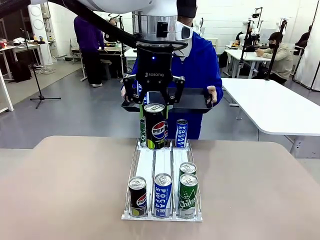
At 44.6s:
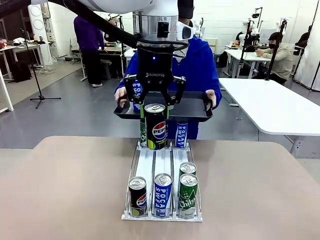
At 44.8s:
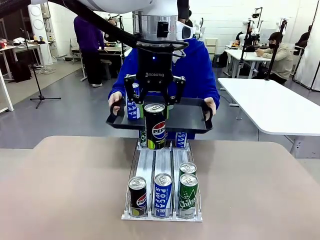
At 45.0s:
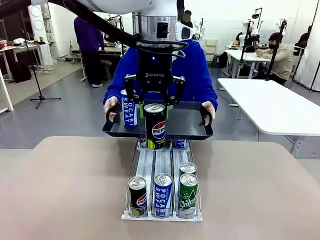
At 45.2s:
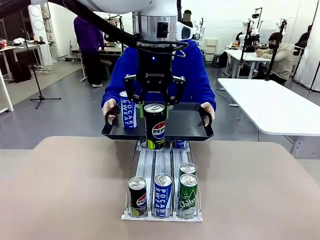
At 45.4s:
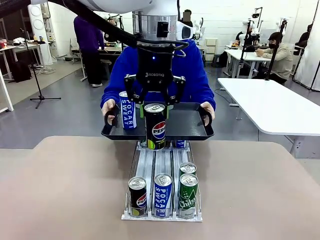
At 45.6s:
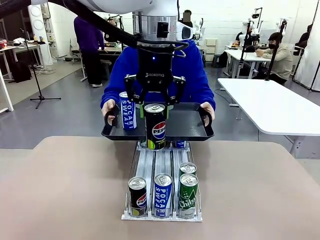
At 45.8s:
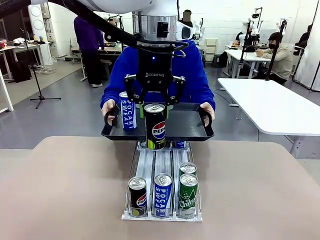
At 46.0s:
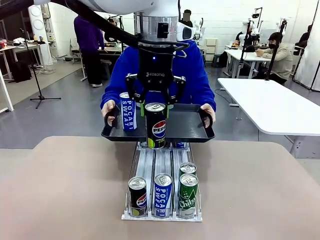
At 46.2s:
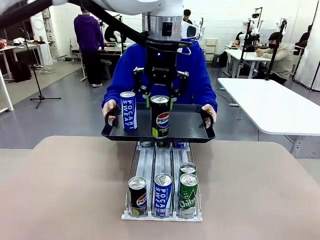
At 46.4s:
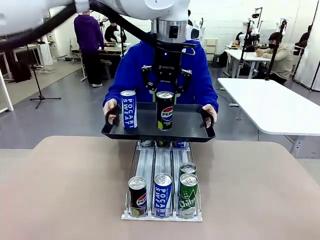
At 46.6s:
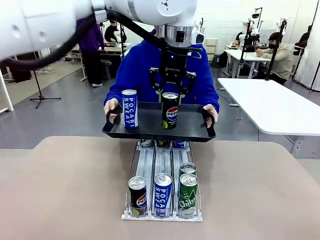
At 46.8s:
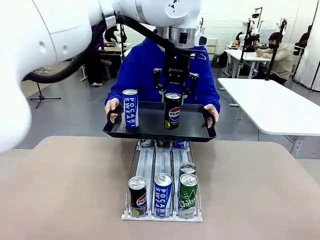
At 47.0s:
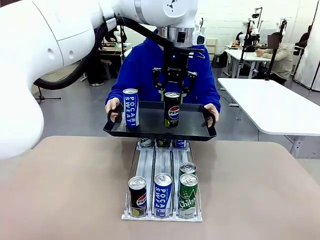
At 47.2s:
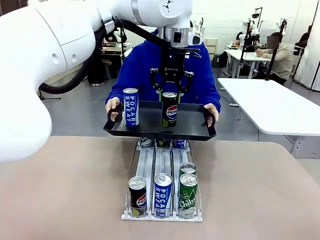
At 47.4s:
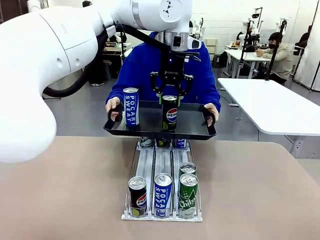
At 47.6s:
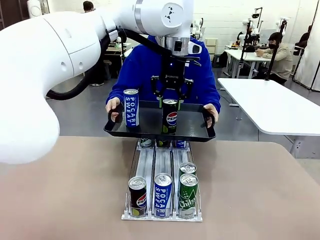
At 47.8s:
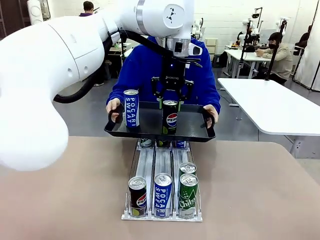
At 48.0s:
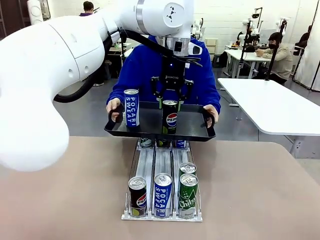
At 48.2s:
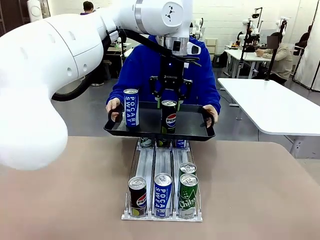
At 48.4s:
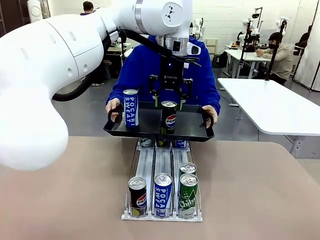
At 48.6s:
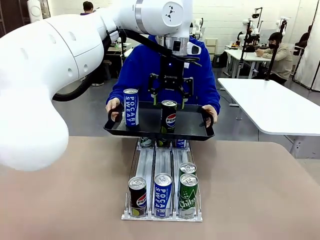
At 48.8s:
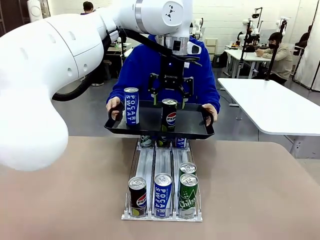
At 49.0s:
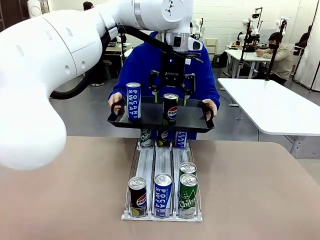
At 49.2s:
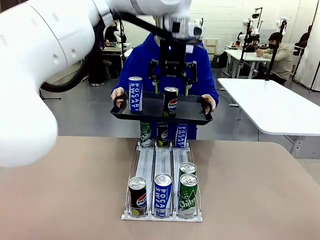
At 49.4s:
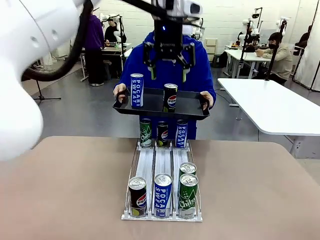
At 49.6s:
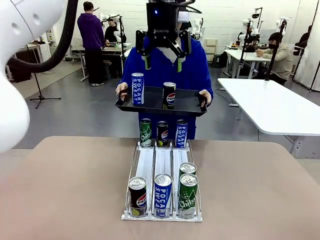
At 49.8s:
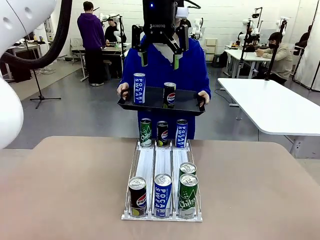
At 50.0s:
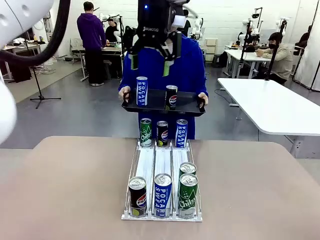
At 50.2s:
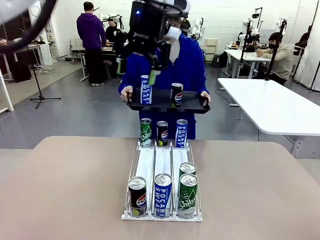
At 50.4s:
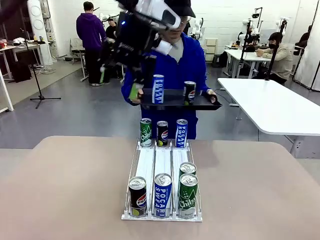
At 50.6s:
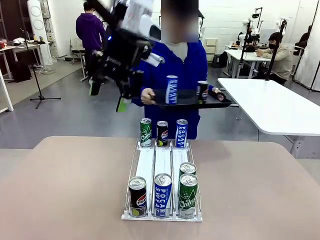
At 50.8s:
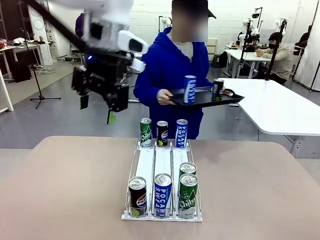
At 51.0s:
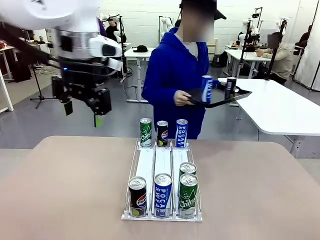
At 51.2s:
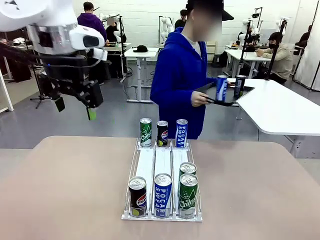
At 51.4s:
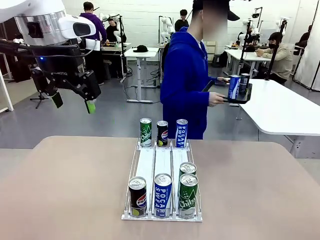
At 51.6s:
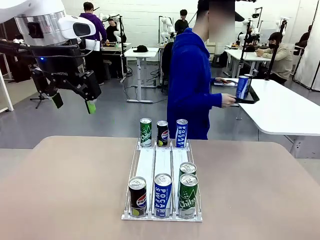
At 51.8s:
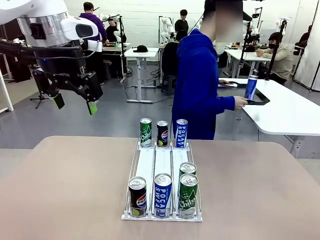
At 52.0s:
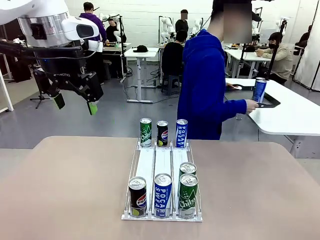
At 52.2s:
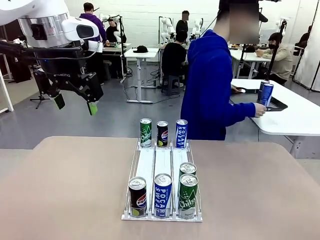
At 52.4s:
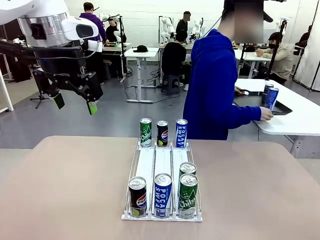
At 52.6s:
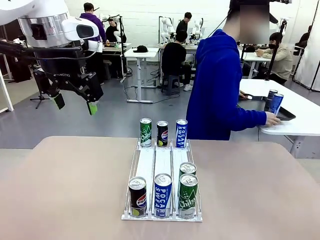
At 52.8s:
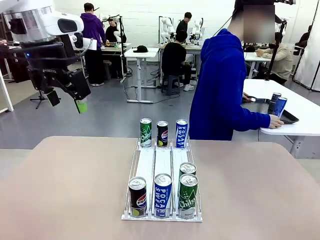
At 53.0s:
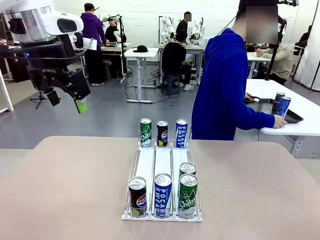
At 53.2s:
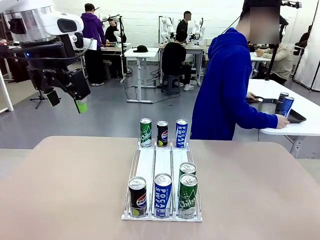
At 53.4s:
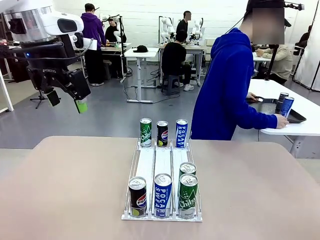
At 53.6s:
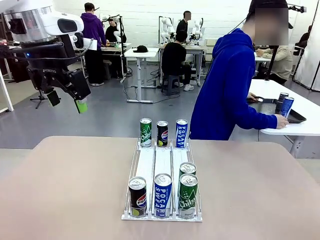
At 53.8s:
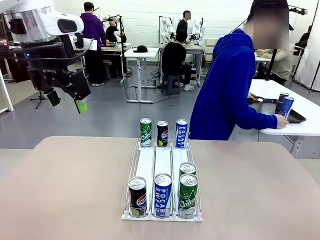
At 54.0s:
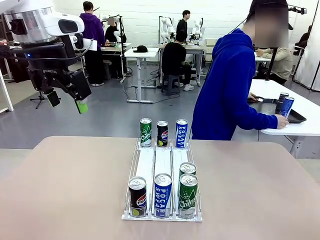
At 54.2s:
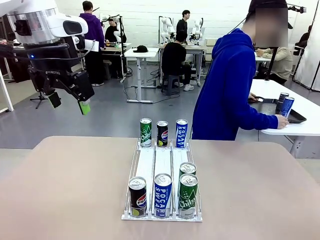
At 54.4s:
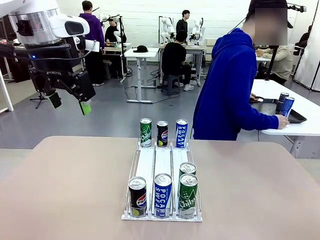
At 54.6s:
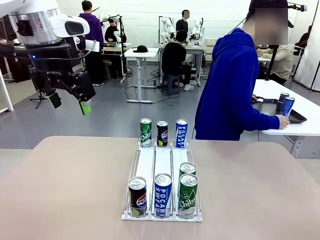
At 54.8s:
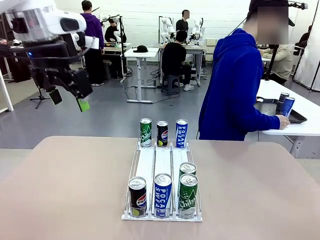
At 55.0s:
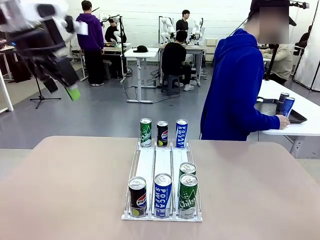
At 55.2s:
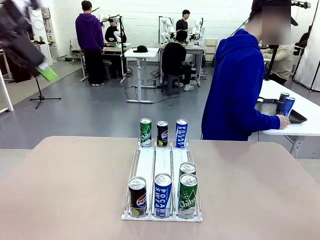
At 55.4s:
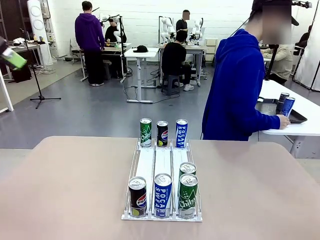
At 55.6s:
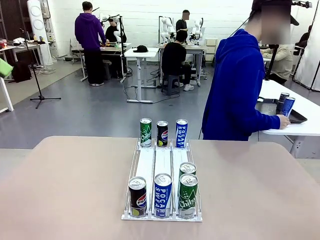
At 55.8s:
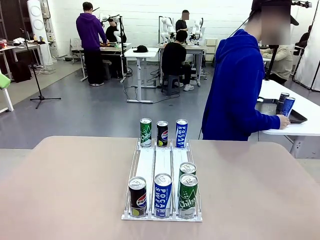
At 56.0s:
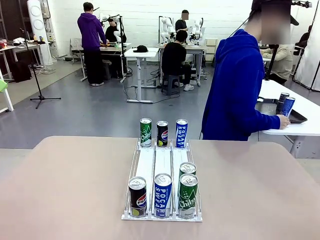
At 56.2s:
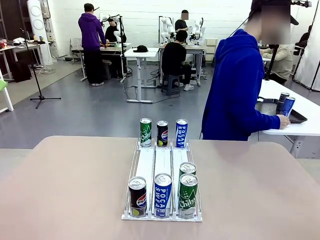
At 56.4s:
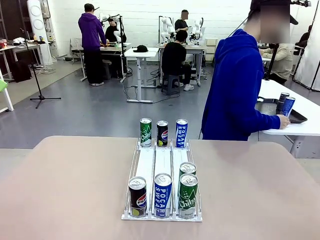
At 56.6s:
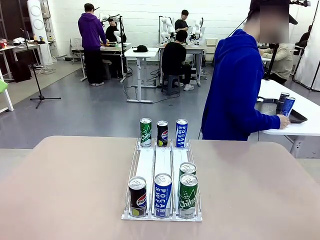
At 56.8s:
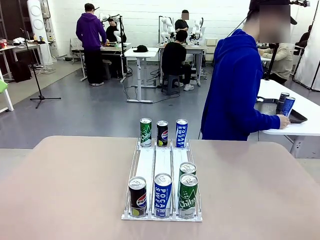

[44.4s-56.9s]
Task: Retrieve and hand over the desired beverage to the person.
Robot: Place the picked can on the Handle tray extended by the person.
Person: Pull the tray back and place it at the center of the human table.

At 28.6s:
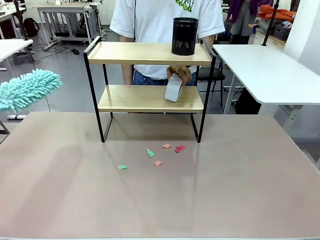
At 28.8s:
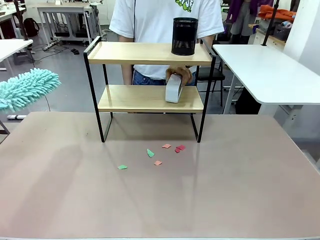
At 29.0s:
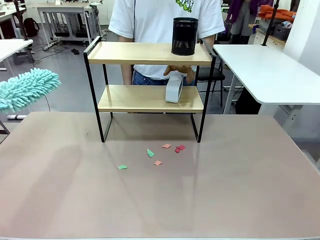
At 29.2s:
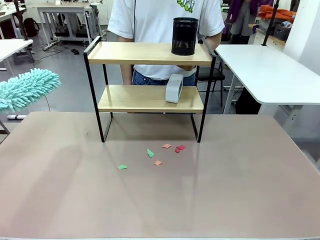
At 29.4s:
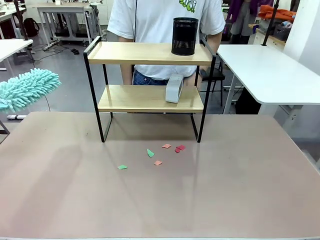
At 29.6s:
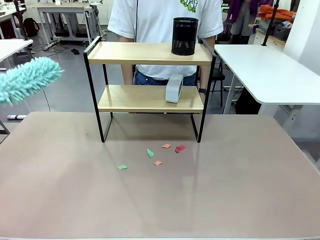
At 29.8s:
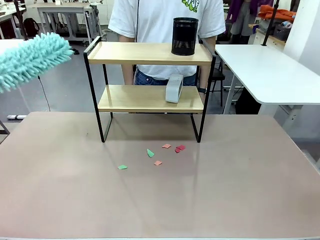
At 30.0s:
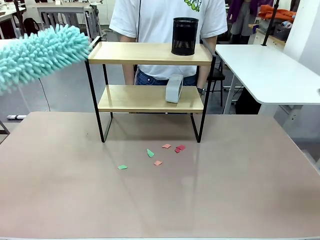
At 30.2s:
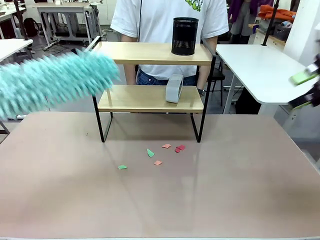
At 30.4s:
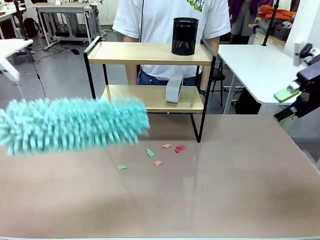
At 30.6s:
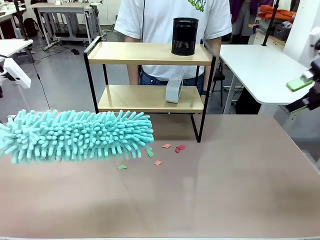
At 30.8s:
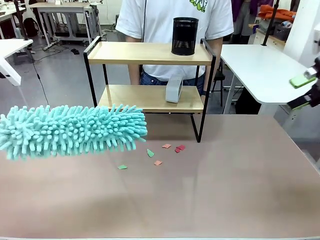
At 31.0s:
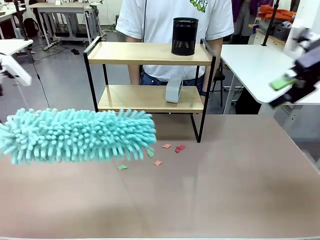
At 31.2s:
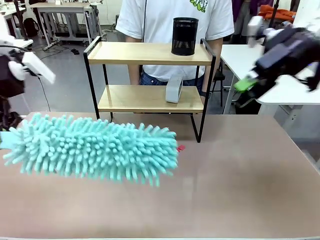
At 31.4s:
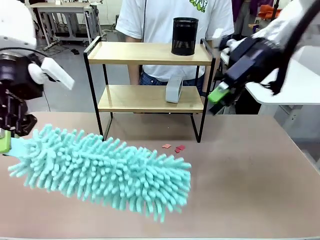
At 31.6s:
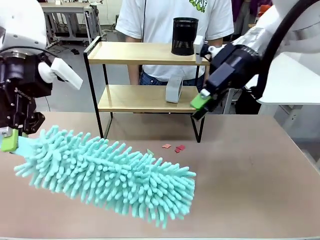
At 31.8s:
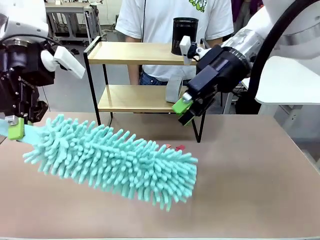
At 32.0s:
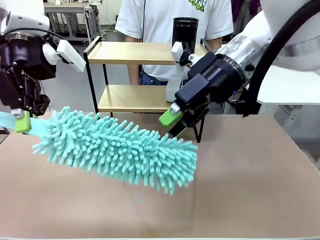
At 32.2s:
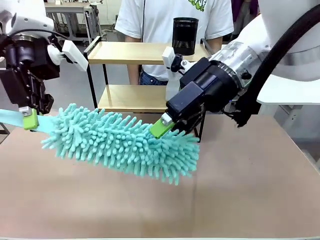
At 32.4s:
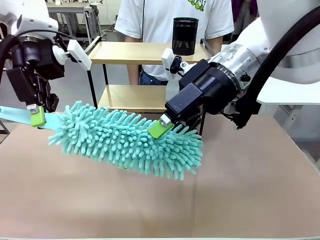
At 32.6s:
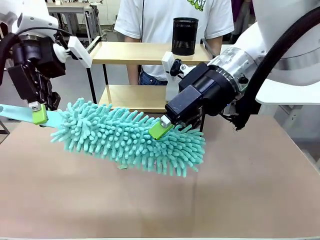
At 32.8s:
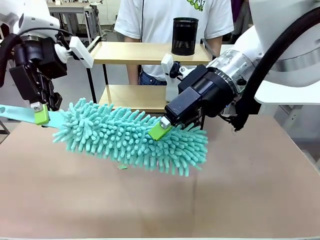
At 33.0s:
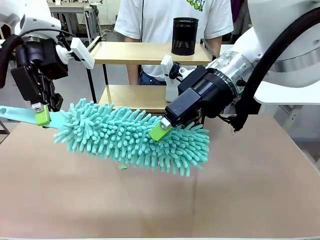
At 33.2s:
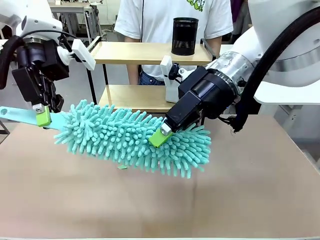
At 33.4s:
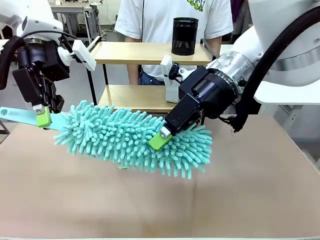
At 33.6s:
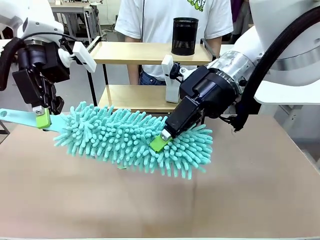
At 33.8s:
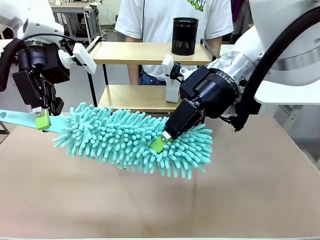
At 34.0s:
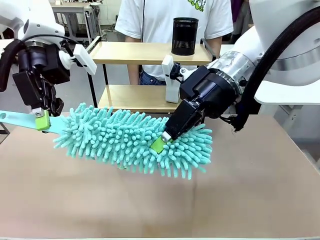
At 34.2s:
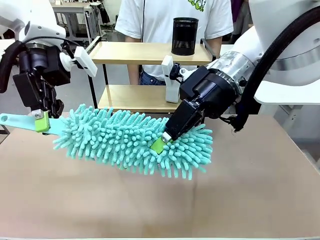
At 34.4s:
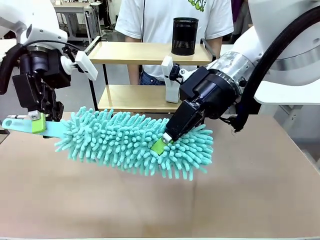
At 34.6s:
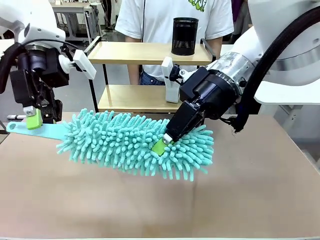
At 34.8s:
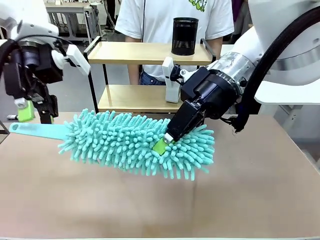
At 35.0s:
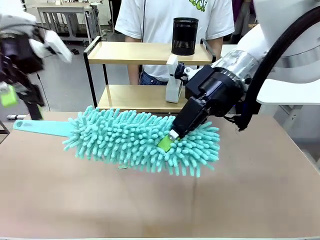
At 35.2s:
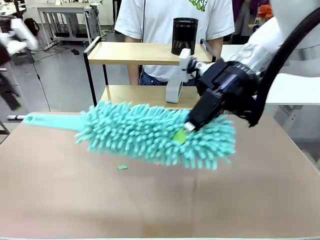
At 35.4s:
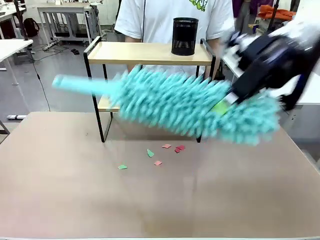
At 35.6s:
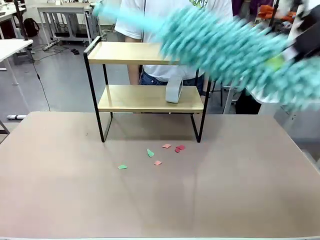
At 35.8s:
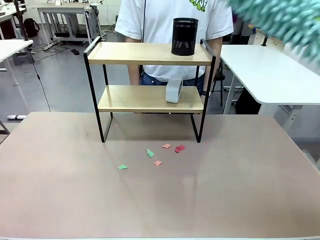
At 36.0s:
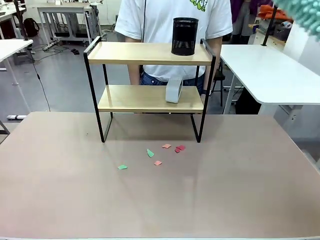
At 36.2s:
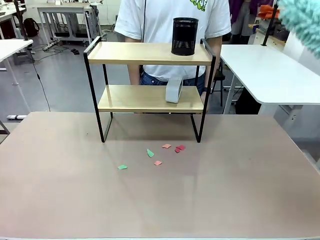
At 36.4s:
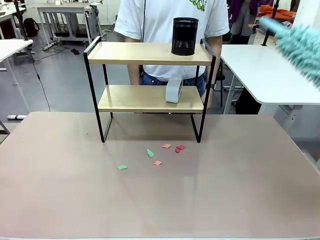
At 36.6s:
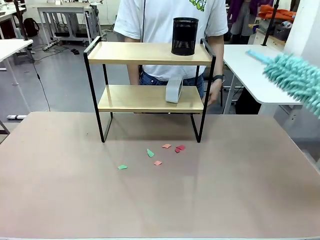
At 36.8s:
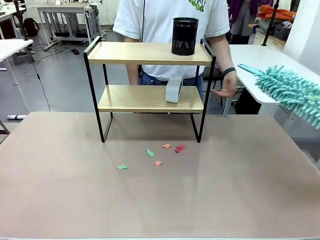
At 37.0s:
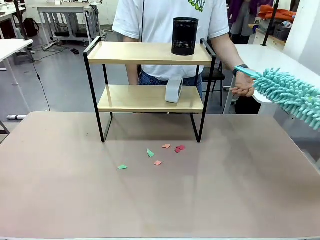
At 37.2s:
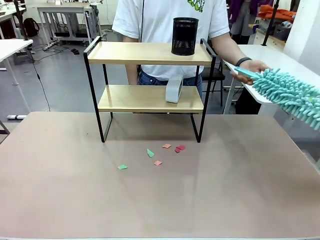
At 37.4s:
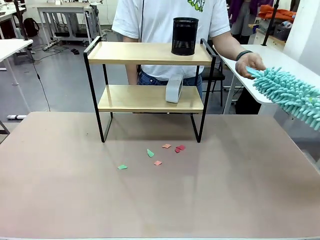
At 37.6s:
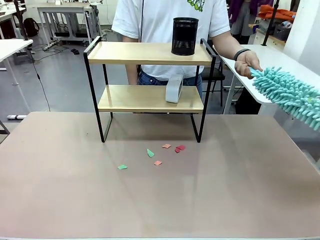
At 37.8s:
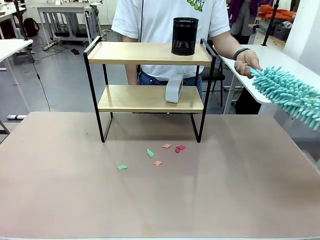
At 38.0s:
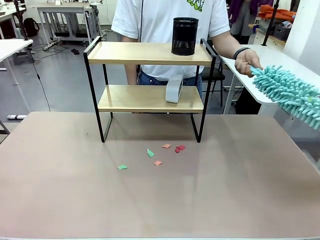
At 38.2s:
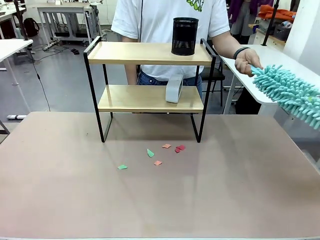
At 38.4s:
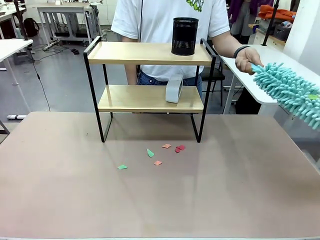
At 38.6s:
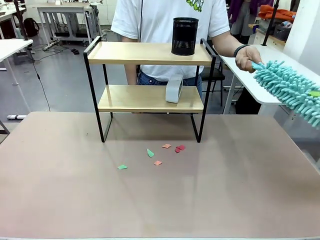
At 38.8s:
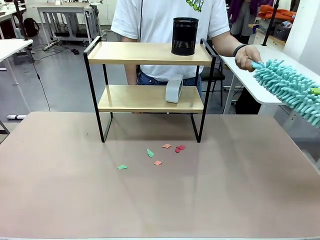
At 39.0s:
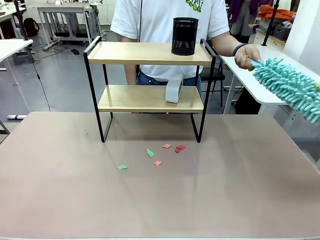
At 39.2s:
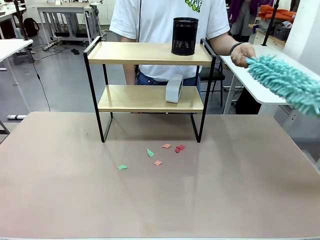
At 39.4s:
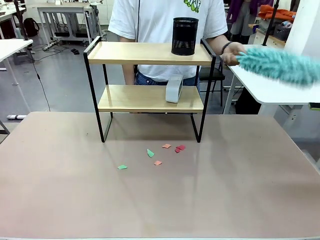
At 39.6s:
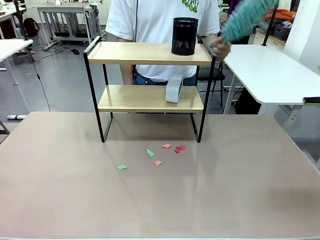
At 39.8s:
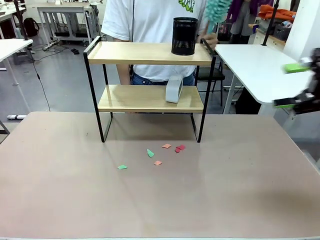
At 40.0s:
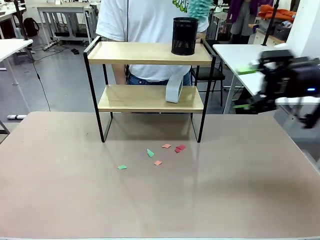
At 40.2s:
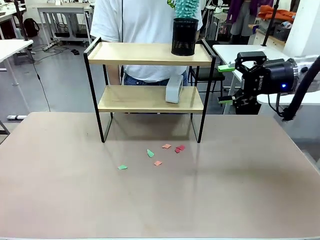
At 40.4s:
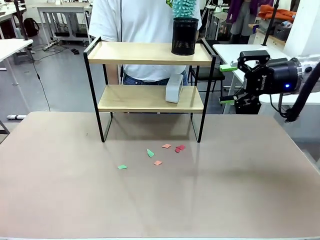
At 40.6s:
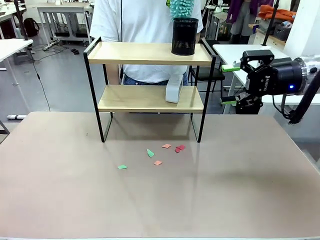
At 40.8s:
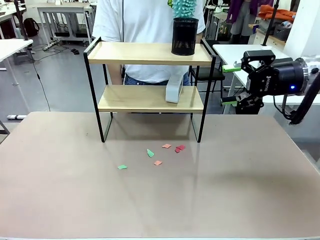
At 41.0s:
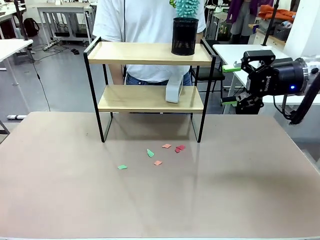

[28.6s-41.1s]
Task: Clean the shelf.
Robot: Hand the Duster back to the human.
Person: Receive the Duster from the robot.
